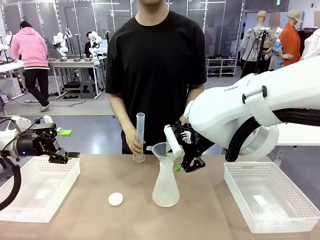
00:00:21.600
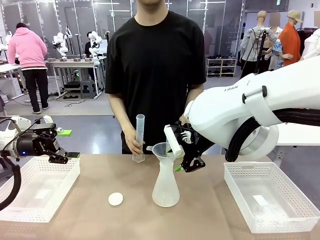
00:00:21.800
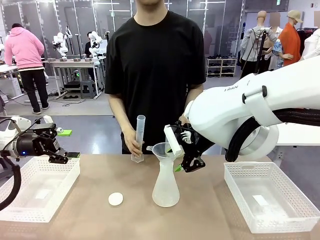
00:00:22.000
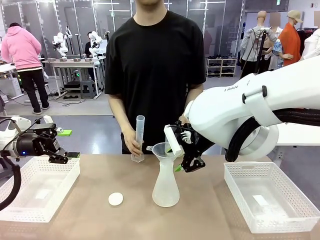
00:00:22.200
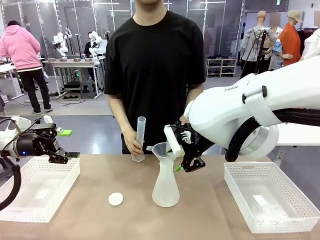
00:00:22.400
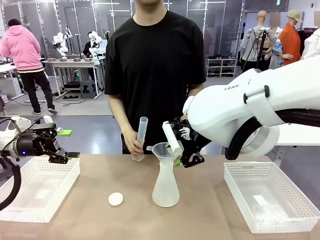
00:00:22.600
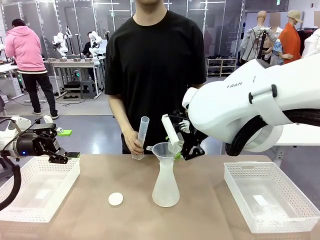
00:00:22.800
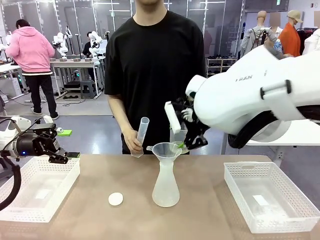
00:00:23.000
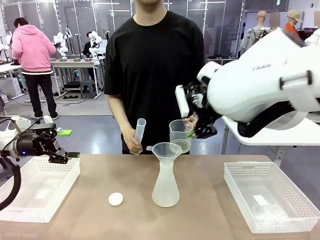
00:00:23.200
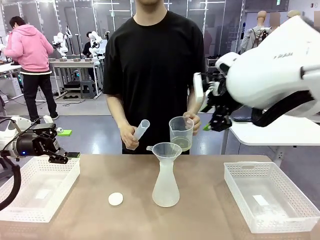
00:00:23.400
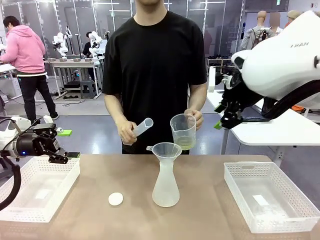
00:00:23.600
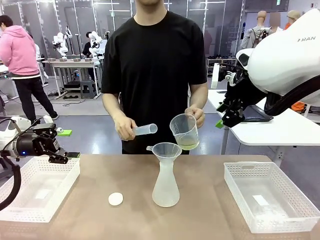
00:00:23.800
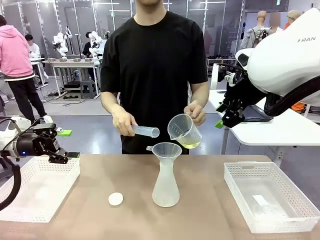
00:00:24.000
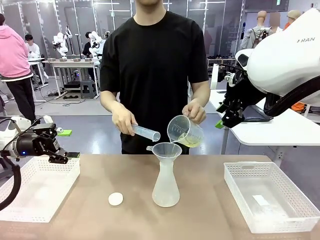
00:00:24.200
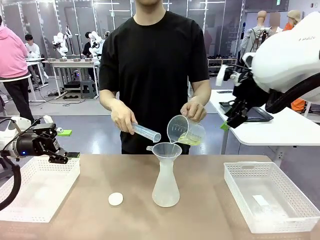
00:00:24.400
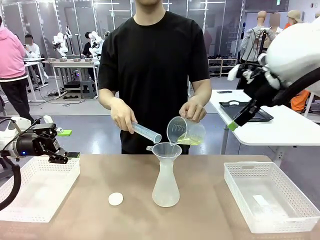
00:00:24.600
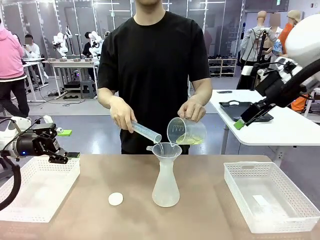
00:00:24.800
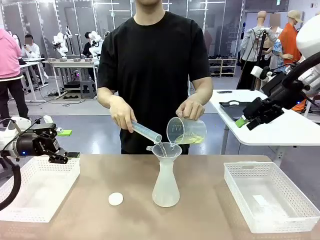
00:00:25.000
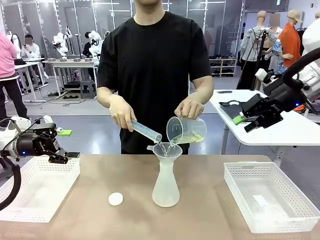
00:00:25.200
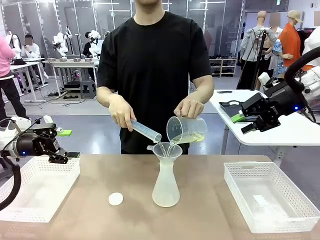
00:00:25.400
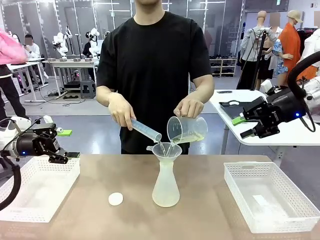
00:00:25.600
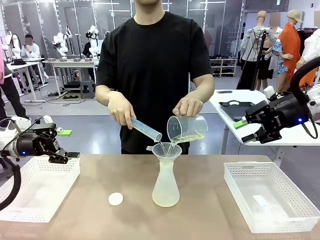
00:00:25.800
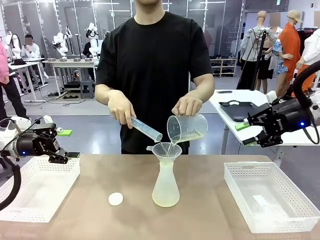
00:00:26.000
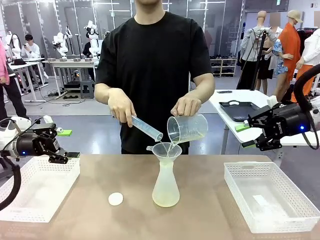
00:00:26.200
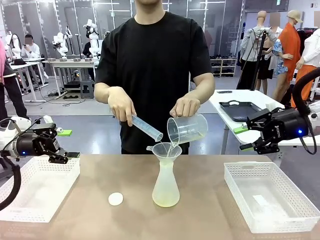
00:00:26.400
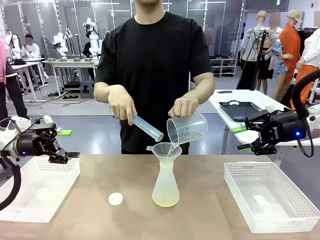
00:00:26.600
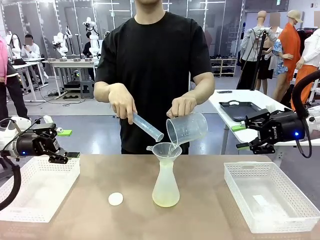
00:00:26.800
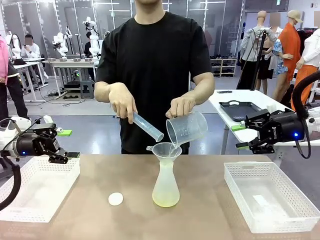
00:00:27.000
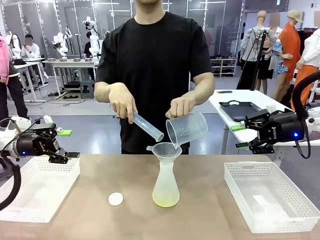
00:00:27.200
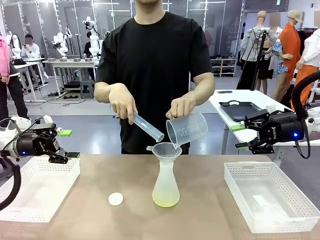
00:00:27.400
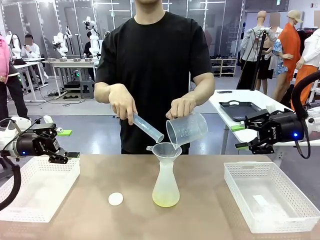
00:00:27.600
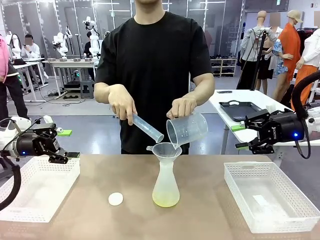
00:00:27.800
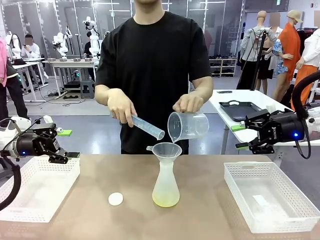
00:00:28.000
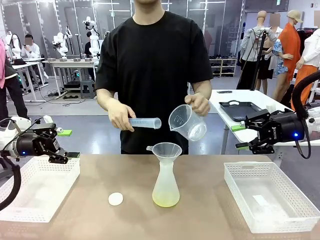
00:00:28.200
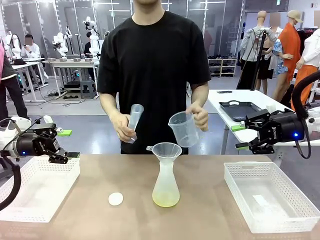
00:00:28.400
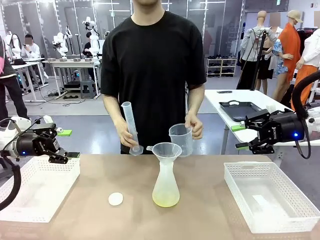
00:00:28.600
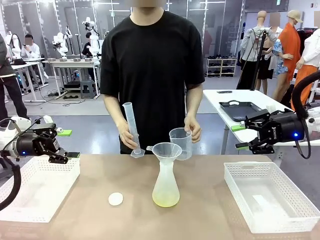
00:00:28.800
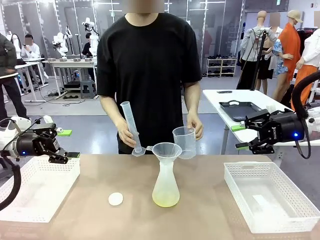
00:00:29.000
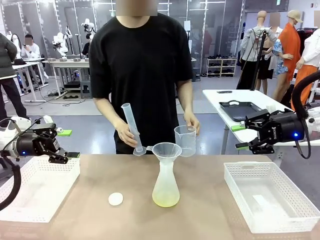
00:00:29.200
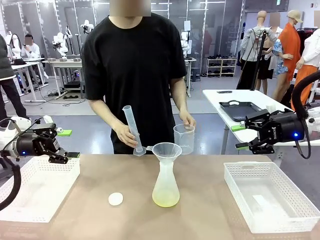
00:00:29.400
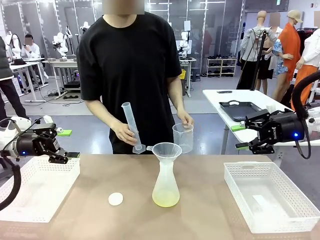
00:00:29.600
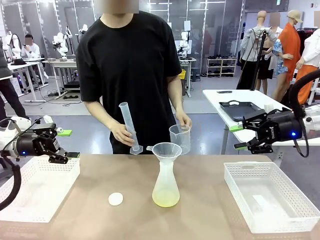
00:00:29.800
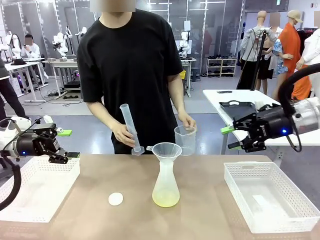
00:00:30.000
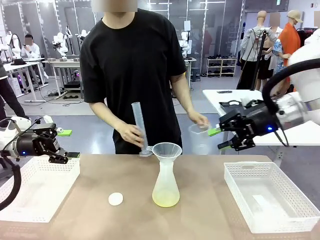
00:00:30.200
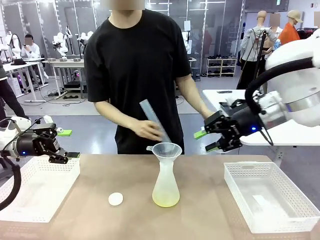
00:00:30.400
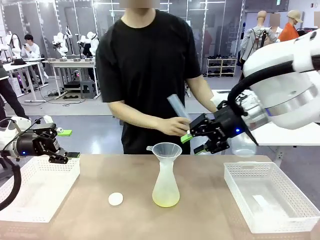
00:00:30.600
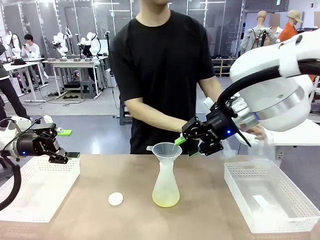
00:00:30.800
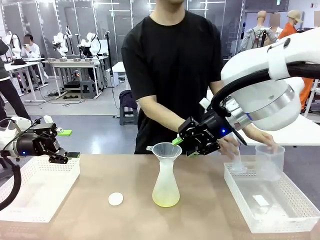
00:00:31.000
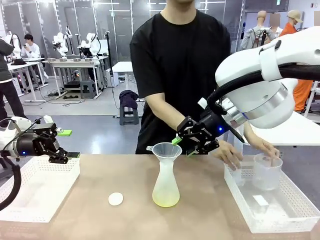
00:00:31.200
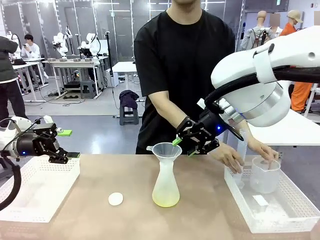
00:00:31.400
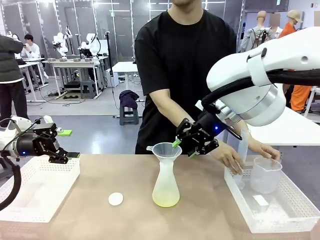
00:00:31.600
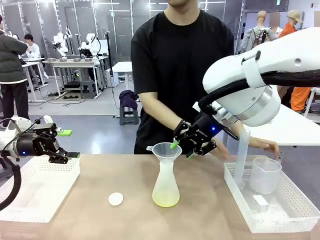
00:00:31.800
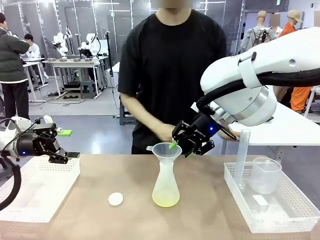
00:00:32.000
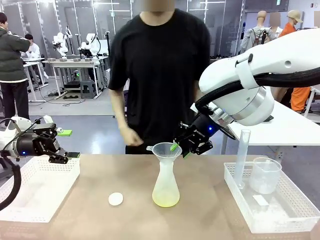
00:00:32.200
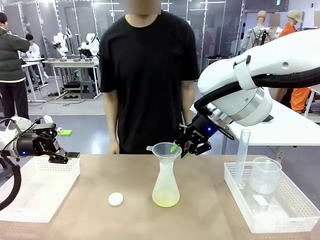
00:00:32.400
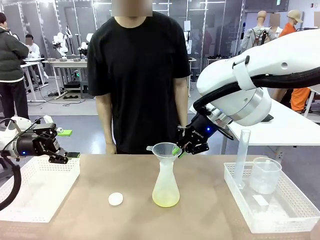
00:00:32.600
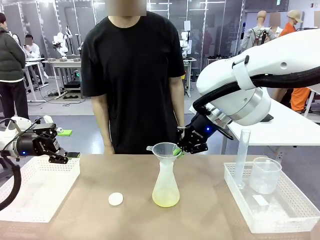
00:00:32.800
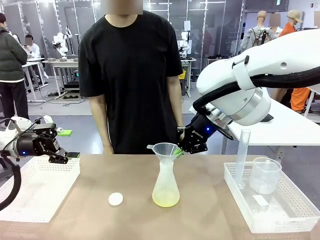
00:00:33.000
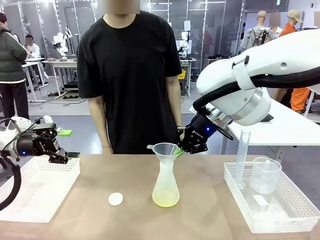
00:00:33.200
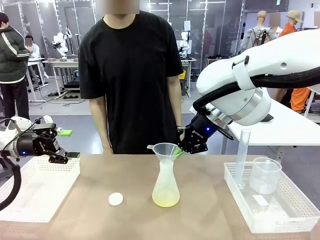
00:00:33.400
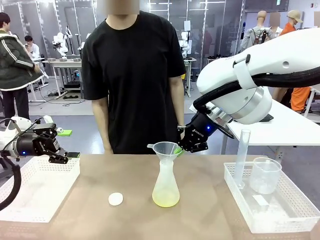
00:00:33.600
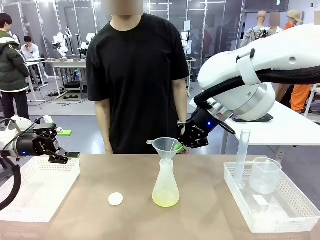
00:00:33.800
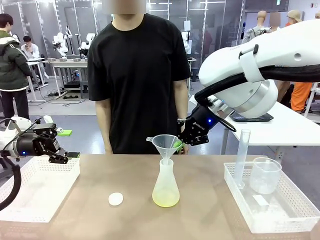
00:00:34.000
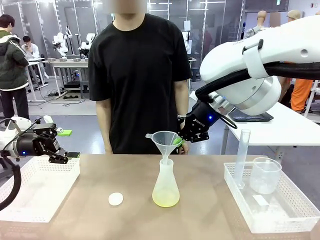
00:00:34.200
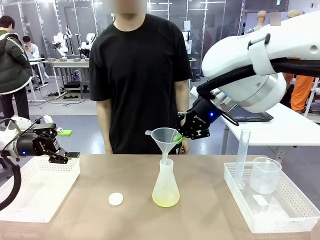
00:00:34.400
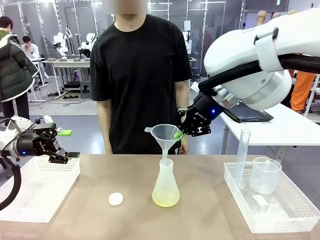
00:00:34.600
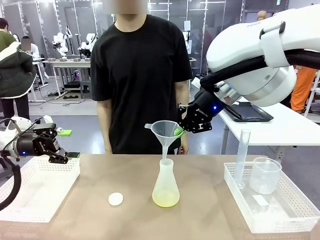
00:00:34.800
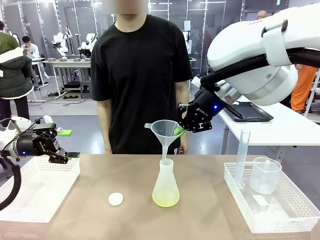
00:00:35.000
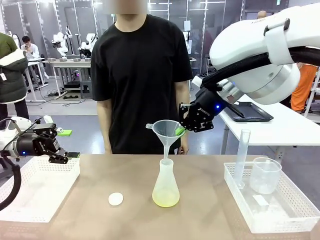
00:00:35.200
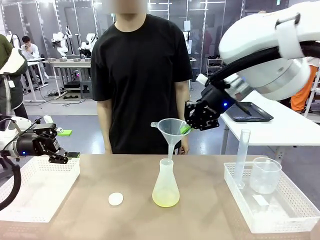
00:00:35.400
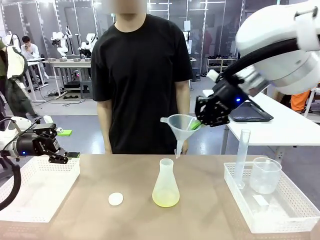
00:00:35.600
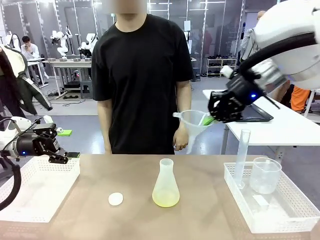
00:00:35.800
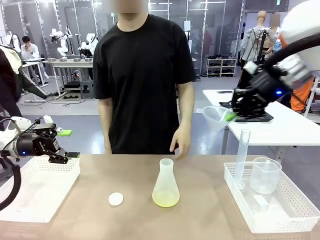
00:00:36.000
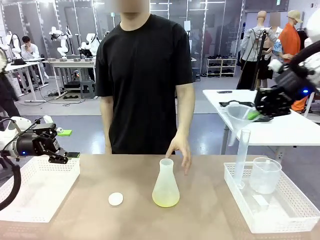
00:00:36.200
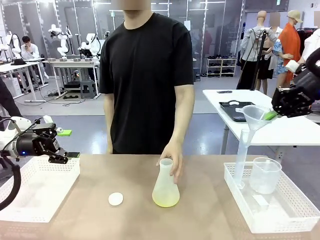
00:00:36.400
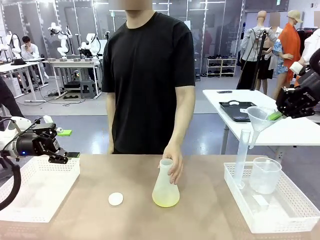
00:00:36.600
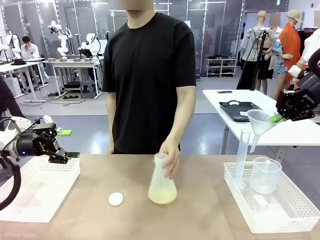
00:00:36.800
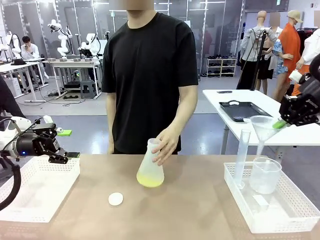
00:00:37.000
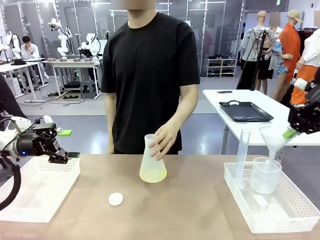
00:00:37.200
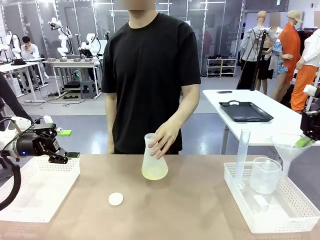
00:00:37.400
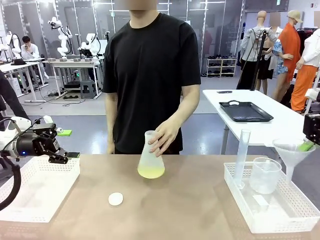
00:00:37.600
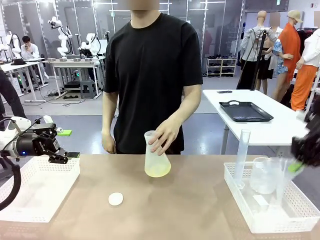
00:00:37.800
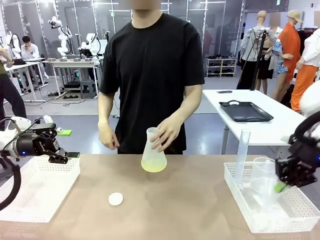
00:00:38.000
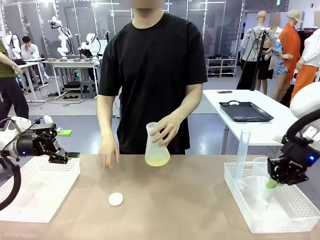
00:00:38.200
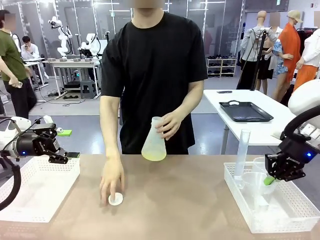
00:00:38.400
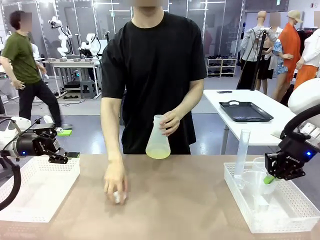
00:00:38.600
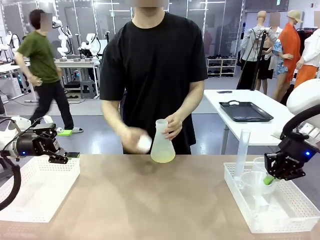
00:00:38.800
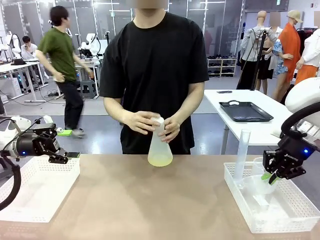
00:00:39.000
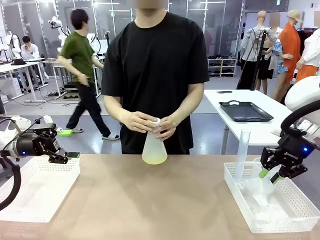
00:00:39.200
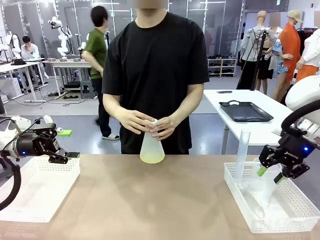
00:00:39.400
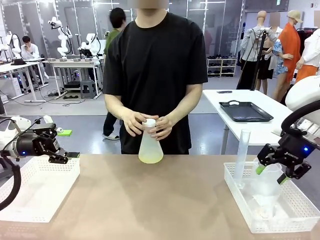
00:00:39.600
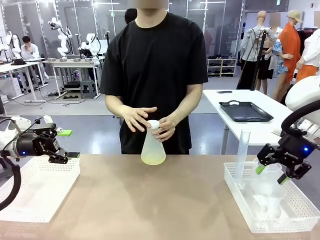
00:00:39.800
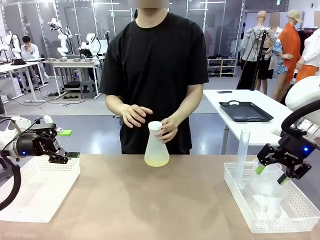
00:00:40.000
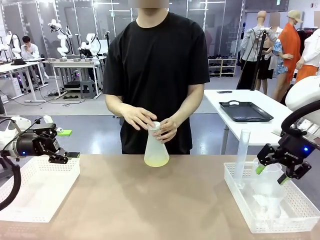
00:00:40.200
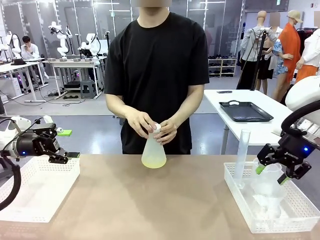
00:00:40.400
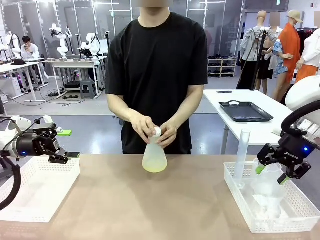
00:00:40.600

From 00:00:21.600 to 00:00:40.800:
Task: Prepare the solutions needed for the experiment.
Robot: Once the solution is in the Big flask , pick up the Plastic Funnel and place it back into the right Organizing basket.
Person: Place the beaker and the cylinder into the organizing basket on the left side. Pick up the flask, gently shake it 2–3 times, place it in the middle of the robot table, and close the lid.
